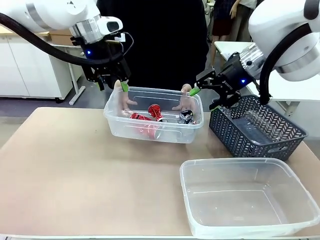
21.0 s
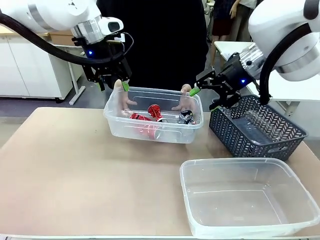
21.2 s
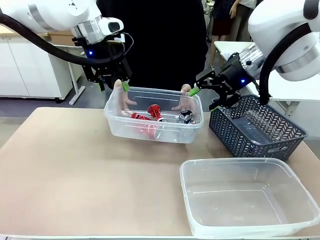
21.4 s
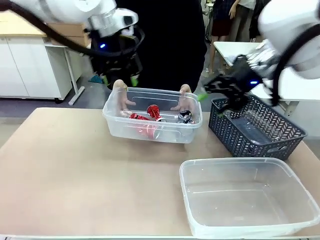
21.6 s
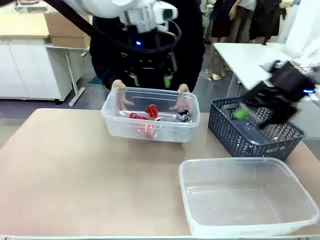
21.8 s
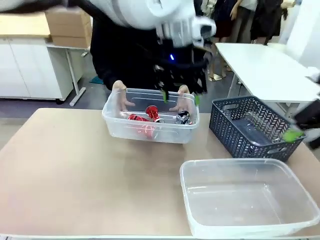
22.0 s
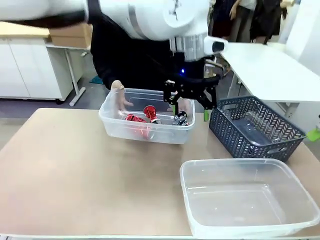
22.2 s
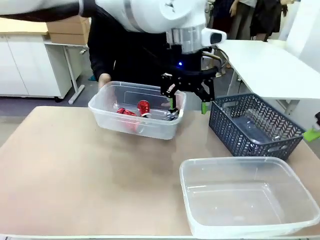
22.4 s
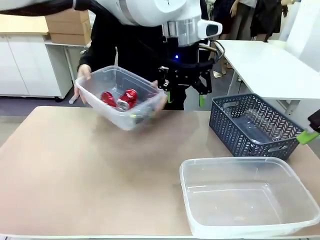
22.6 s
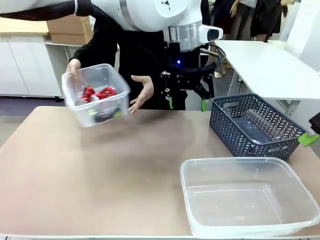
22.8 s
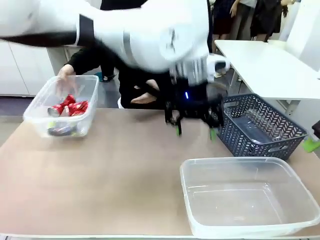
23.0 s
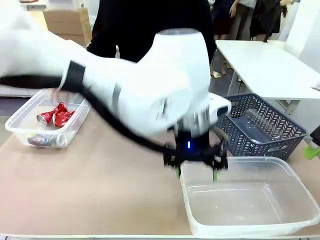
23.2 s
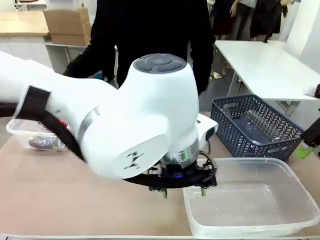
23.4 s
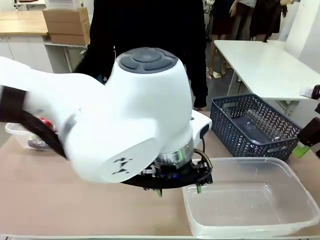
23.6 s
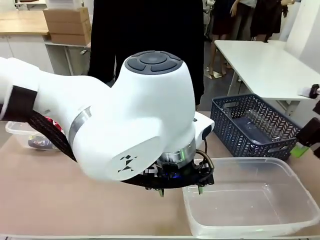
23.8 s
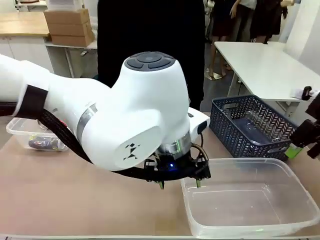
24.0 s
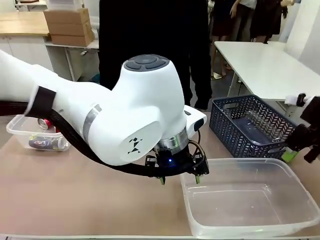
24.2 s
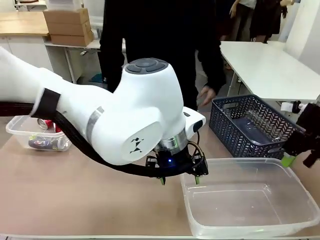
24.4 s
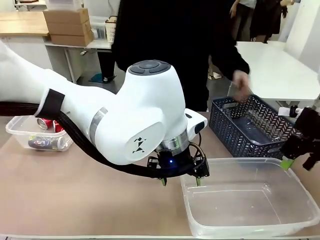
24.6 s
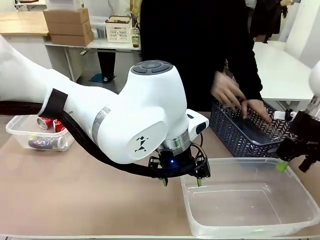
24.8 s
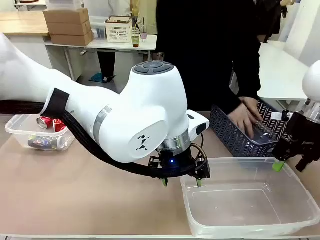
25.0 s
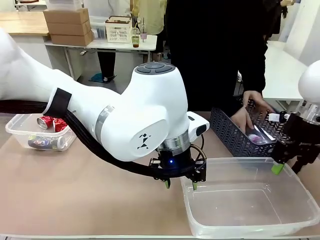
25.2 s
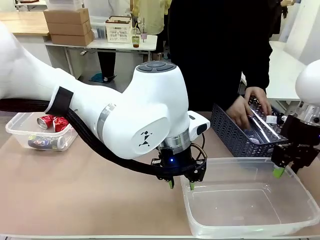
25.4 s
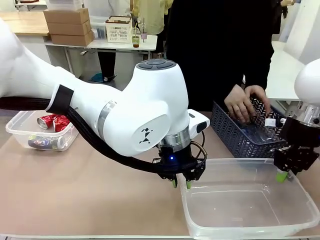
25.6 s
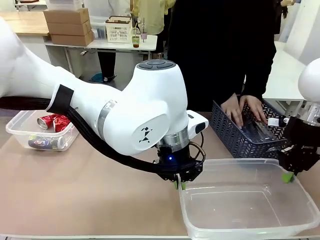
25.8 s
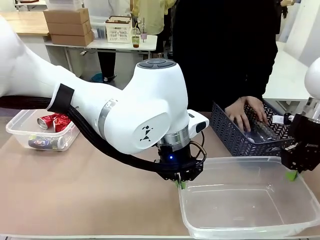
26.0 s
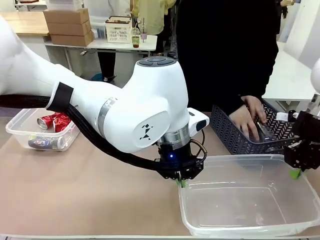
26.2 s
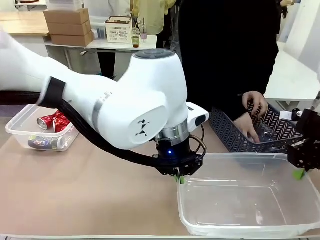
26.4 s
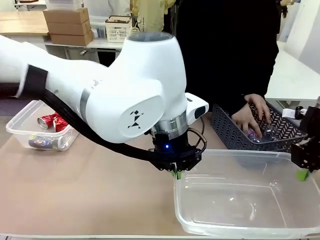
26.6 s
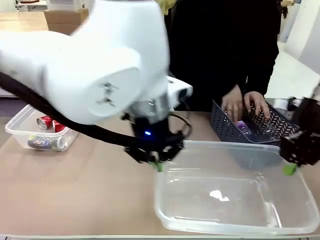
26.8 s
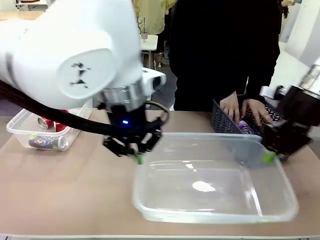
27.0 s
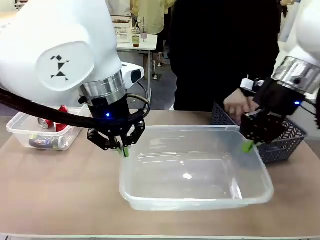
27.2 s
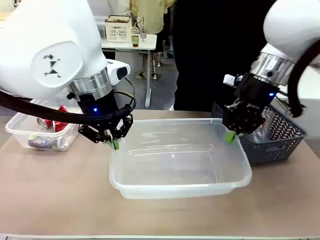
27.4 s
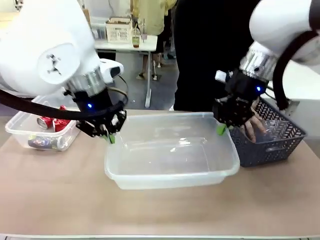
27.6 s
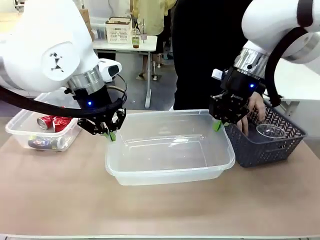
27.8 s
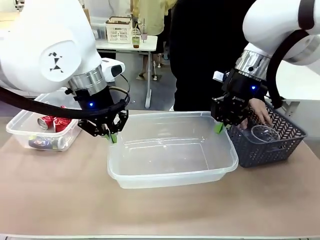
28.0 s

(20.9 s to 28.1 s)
Robot: Pick up the Organizing box on the right side of the table and lift it.
Person: Place it at the edge of the bottom right area of the robot table.

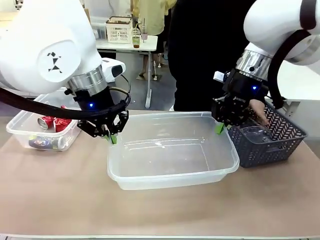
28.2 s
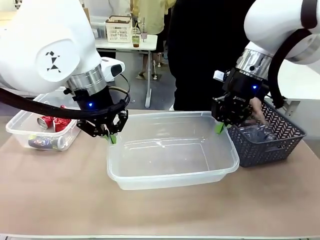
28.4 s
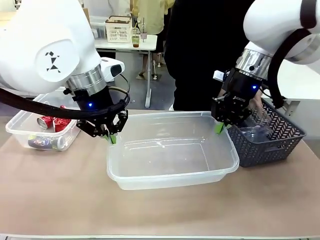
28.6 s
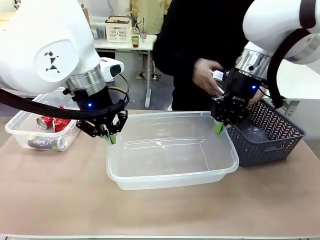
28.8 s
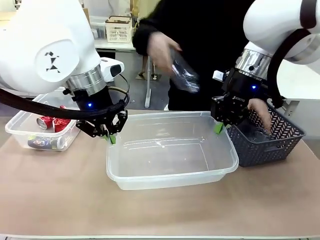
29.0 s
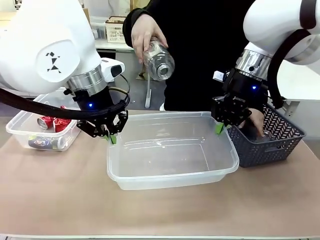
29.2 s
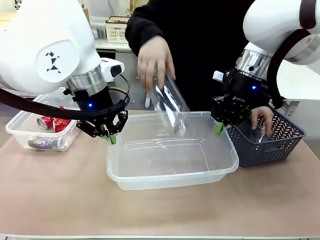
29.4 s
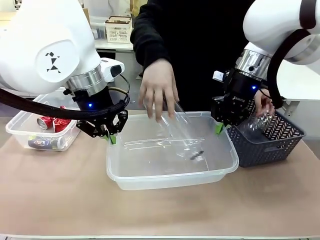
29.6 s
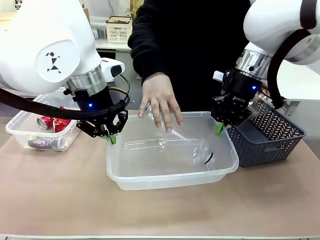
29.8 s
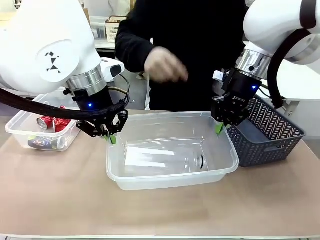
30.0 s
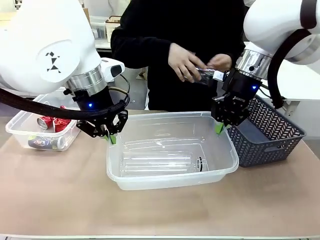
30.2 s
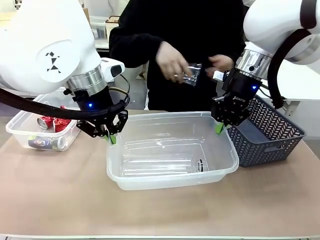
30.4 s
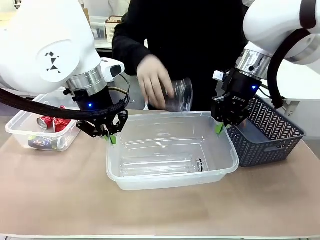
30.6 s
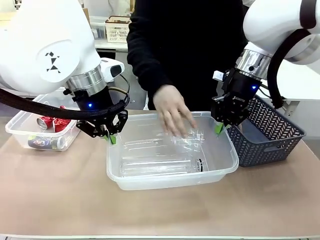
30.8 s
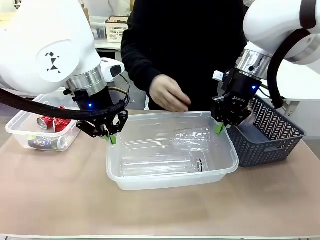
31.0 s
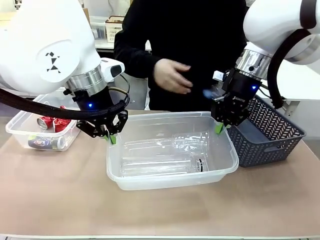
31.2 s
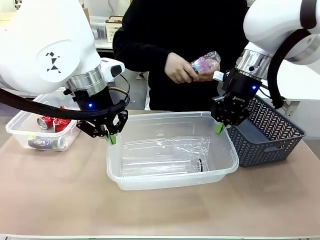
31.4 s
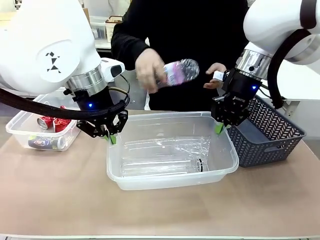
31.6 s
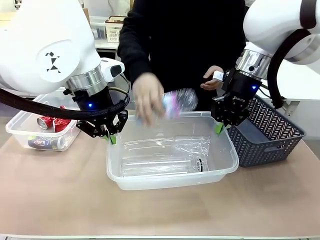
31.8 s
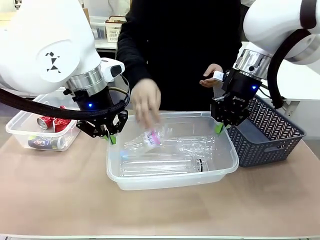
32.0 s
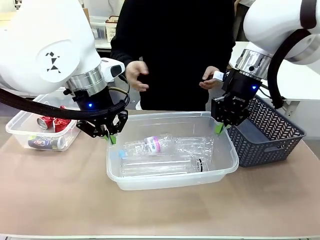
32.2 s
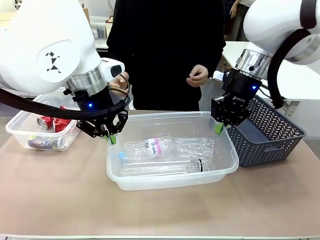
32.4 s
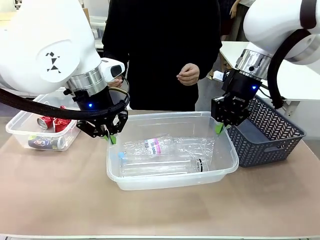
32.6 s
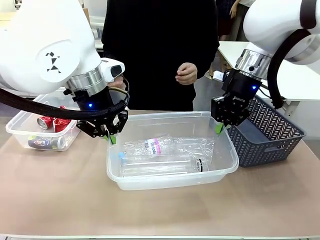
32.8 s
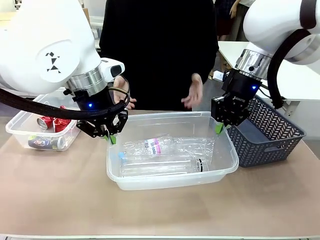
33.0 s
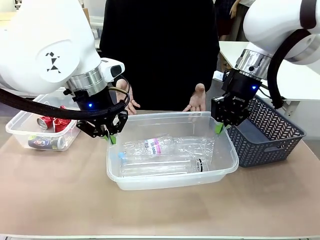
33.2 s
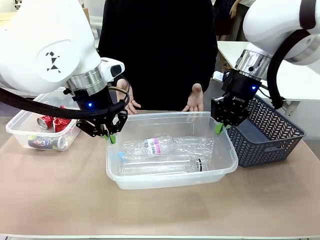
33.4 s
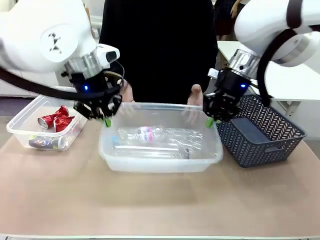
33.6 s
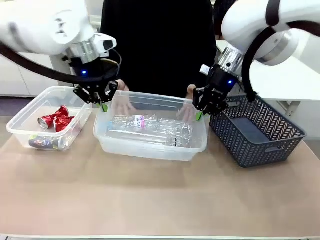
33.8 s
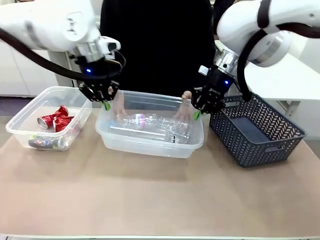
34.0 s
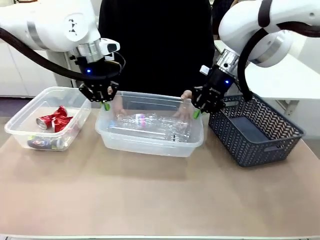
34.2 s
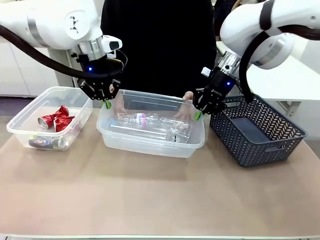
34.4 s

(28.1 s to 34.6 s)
Robot: Offer the picked Organizing box to the human.
Person: Pick up plastic waste one by one and place it into the organizing box lifted by the robot.

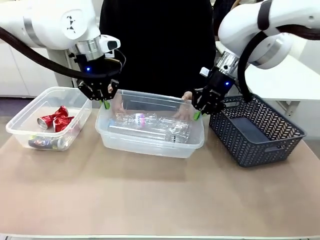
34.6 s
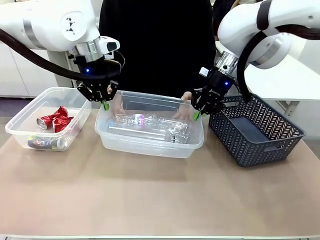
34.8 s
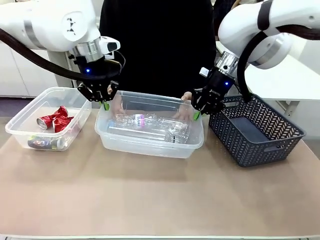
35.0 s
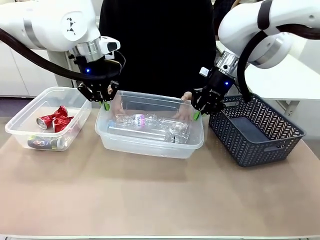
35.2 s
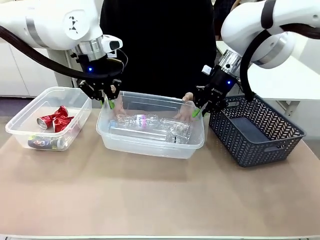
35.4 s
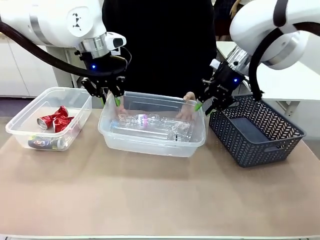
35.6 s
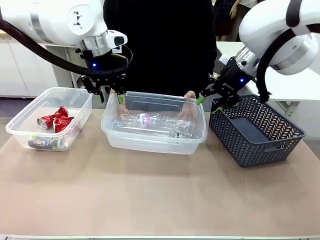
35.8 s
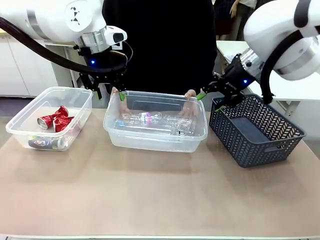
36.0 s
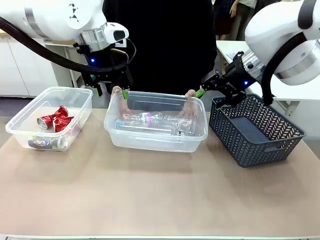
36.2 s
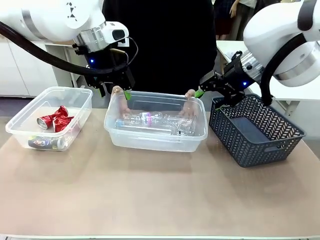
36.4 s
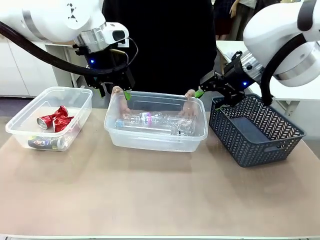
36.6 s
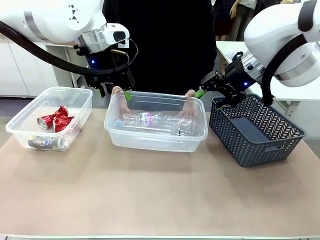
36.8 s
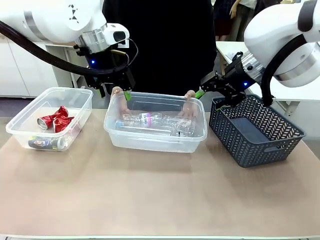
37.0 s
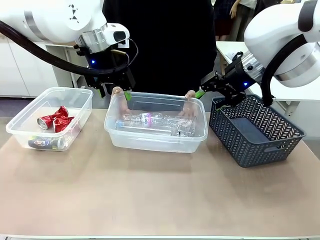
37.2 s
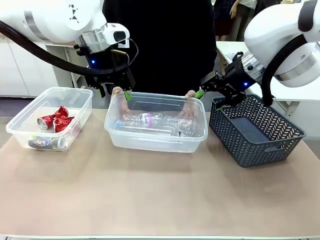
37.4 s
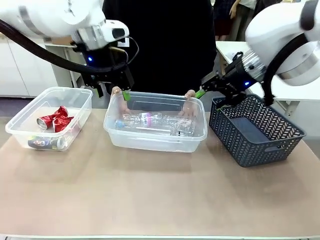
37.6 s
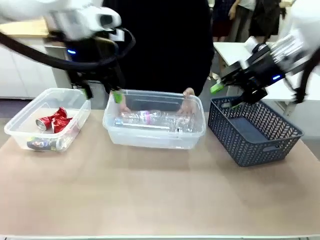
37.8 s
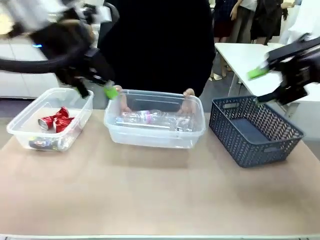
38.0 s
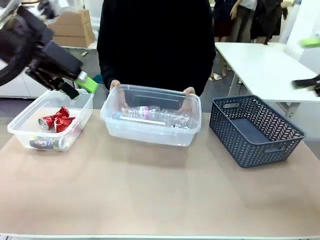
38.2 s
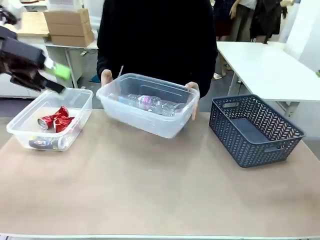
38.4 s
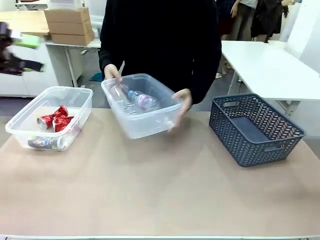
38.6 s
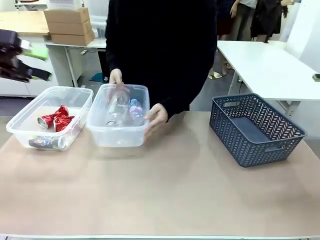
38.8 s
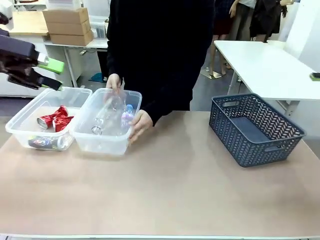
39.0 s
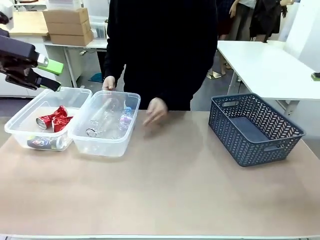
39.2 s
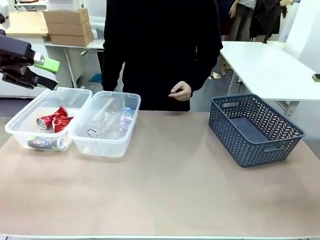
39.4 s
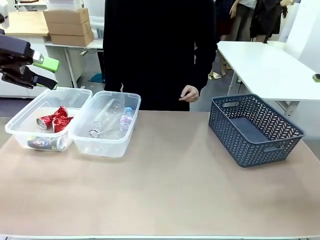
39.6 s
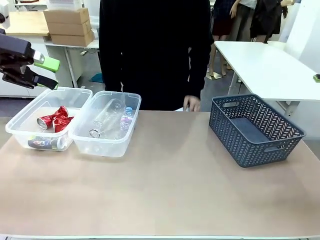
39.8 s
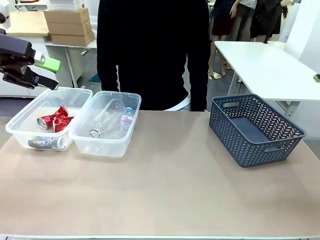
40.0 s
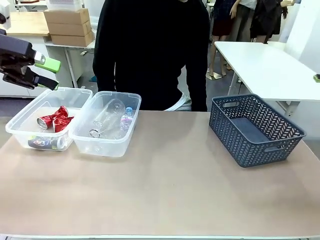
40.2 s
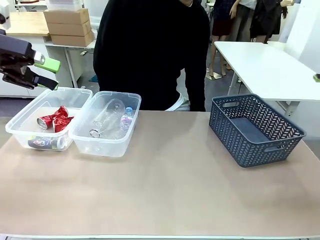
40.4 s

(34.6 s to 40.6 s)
Robot: Release the Organizing box you were holding.
Person: Pick up the organizing box extended by the robot. Place the organizing box to the left of the sorting box containing the can waste.

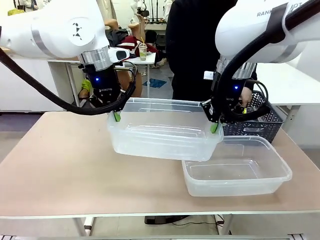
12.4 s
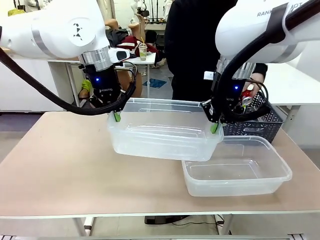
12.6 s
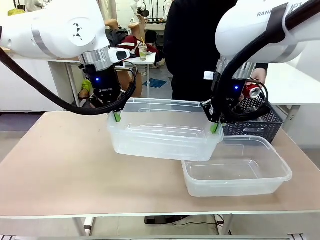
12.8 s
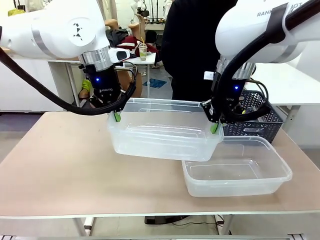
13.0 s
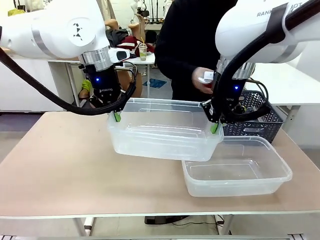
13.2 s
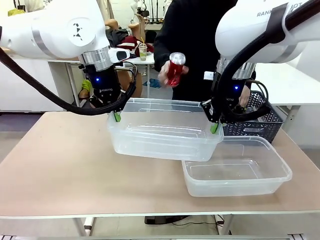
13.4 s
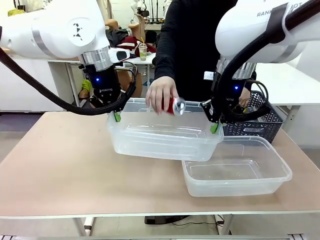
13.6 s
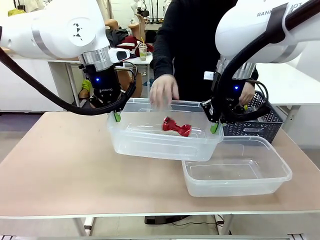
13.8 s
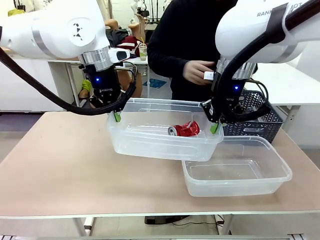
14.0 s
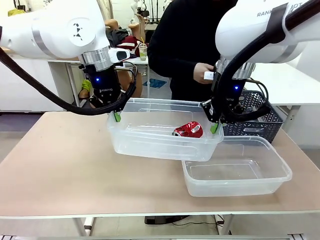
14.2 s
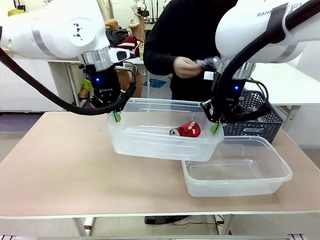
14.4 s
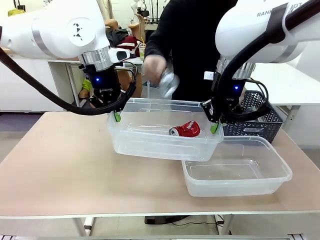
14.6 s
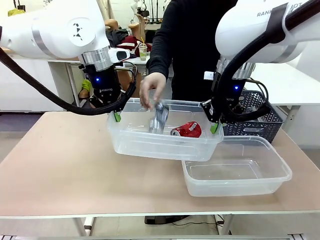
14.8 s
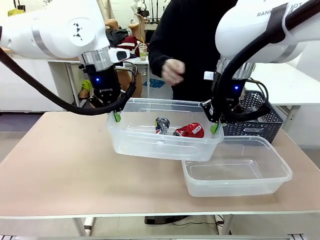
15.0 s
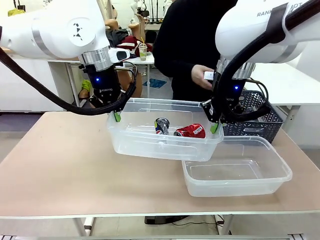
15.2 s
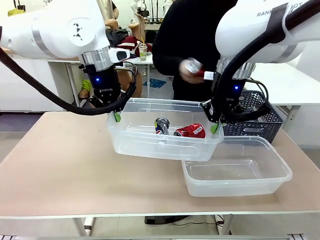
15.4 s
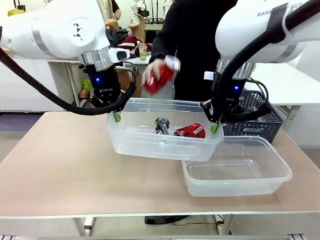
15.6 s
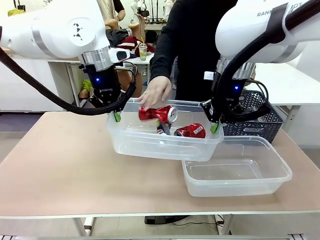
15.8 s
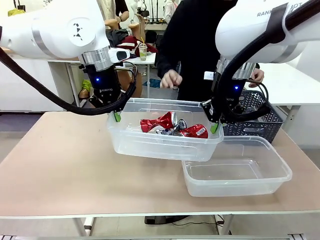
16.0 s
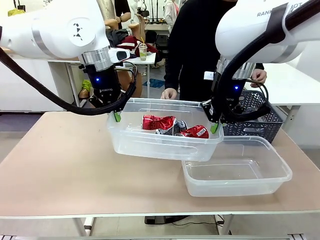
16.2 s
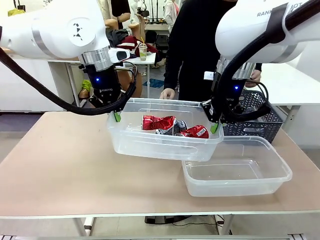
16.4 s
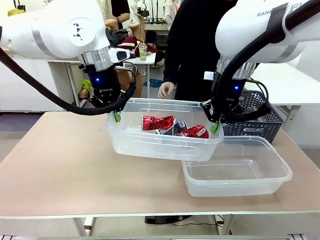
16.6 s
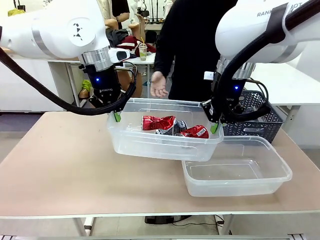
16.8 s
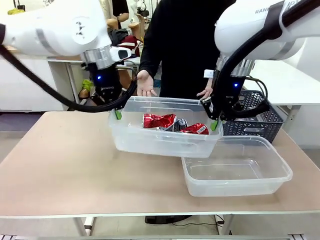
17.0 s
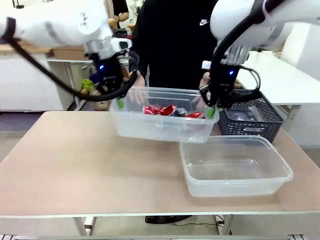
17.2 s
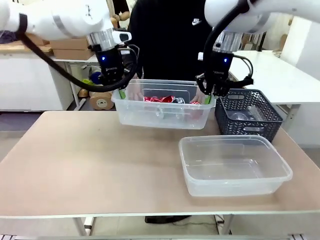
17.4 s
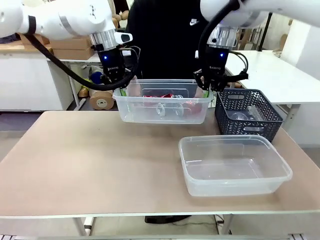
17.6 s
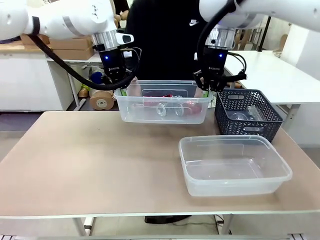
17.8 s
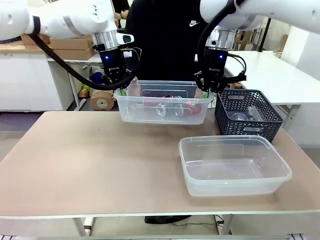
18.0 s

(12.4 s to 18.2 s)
Robot: Offer the picked Organizing box to the human.
